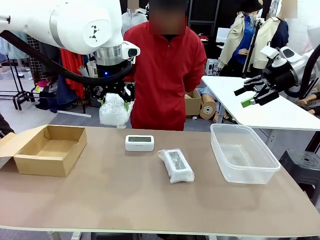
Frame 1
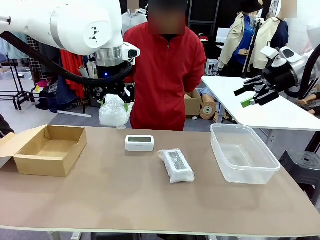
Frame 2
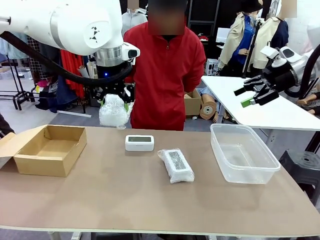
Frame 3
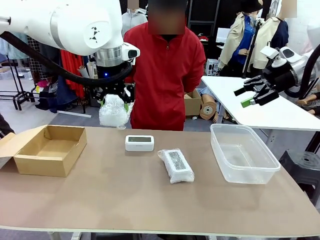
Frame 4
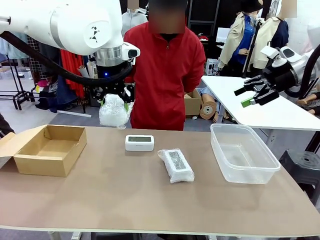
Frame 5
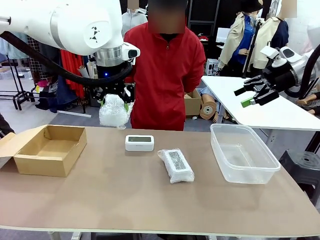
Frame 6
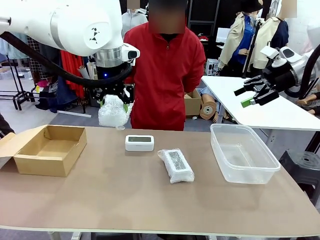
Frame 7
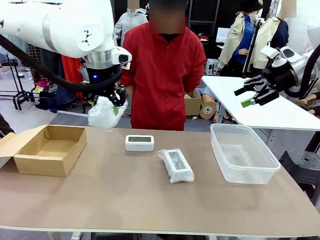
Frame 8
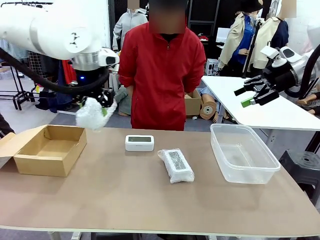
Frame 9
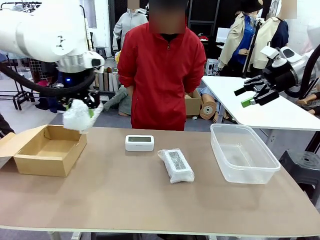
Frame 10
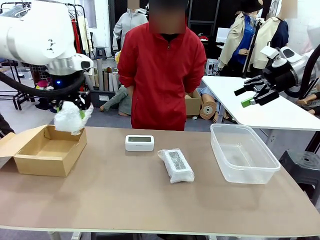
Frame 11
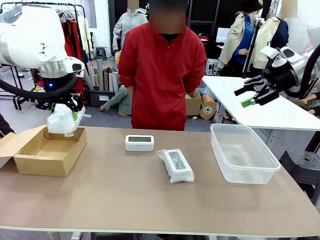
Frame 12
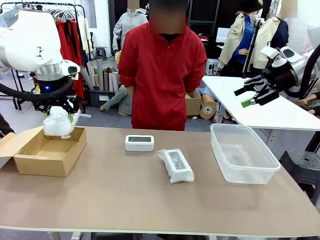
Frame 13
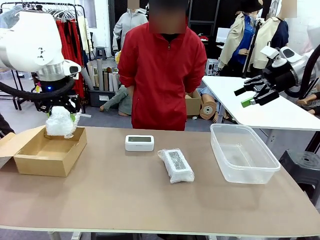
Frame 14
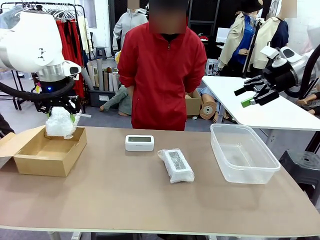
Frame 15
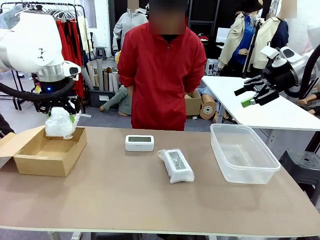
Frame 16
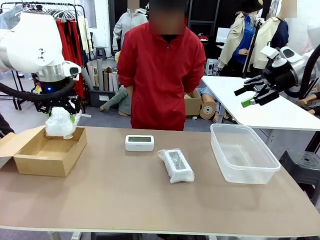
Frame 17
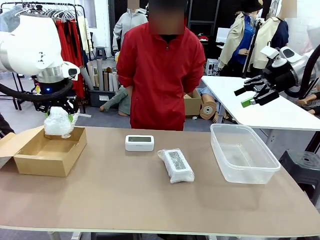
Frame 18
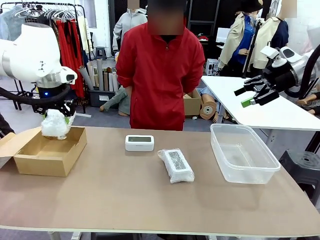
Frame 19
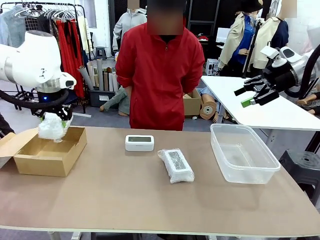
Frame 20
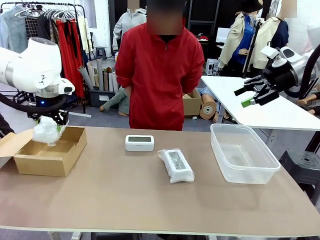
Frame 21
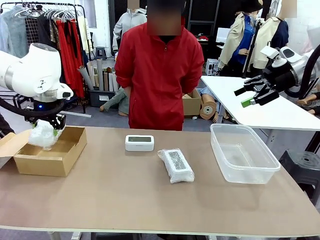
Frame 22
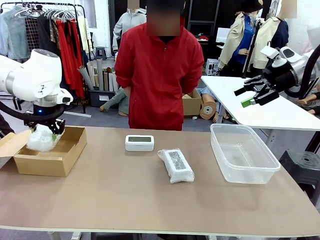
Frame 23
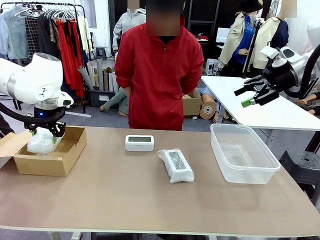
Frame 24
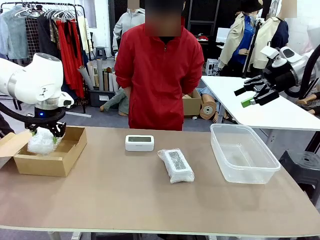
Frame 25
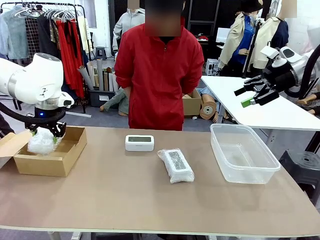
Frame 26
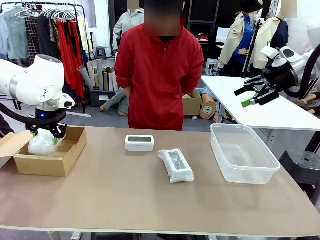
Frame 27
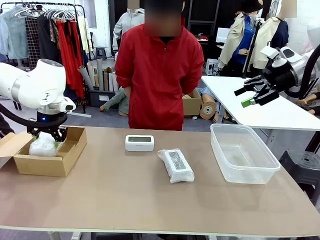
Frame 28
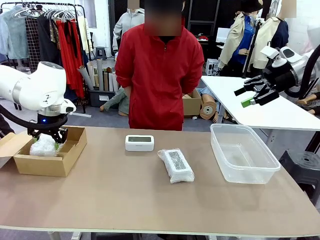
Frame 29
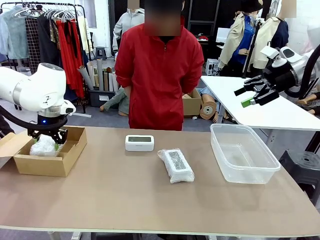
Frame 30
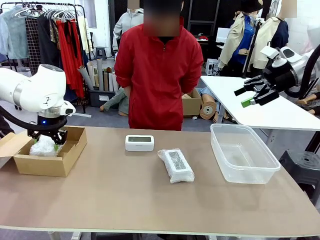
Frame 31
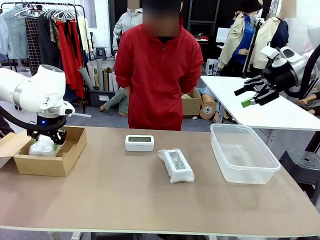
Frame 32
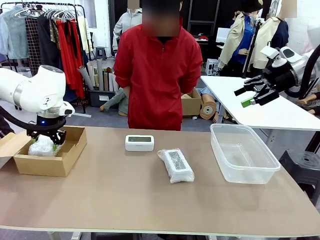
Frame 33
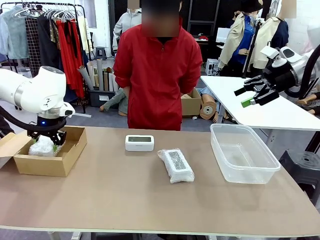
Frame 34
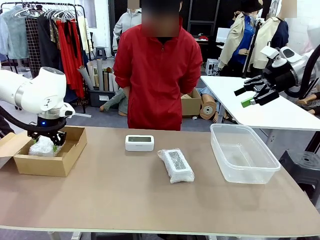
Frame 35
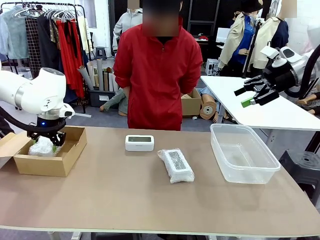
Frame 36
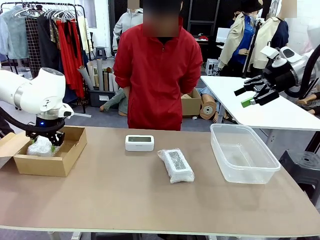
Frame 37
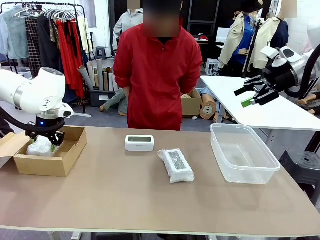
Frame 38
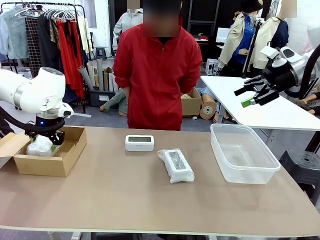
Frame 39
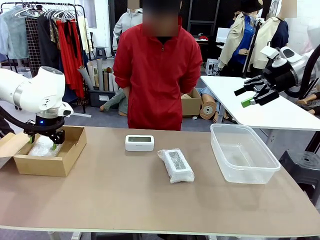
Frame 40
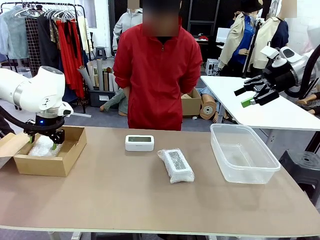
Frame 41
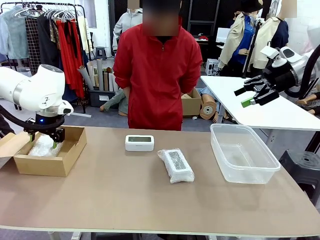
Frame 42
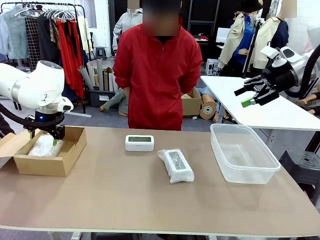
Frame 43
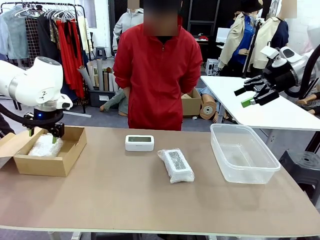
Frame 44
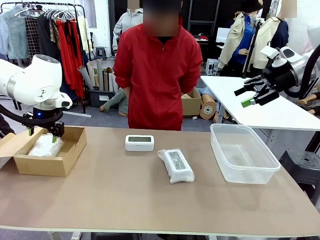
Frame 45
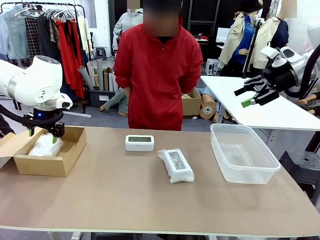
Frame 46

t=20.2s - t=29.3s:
Task: Separate and place wrapped and unwrapped clocks.
Robot: If the picked Digital clock is wrapped, place it in the Package Box ; if not, place it in the Organizing box.

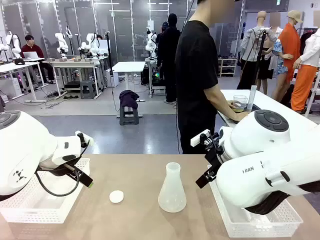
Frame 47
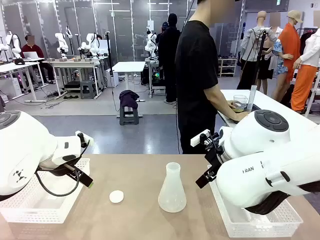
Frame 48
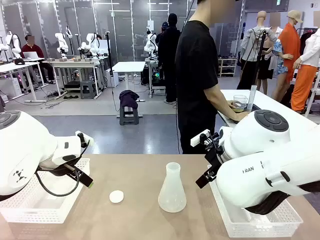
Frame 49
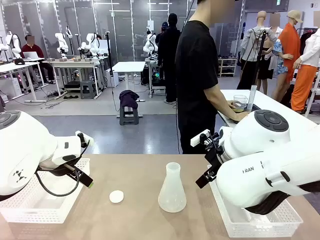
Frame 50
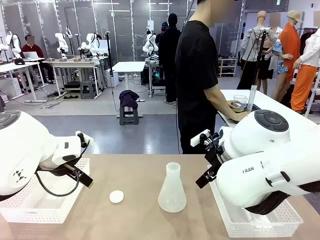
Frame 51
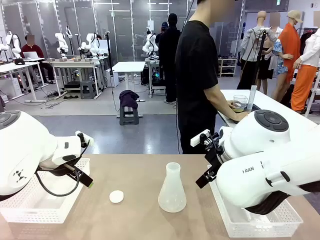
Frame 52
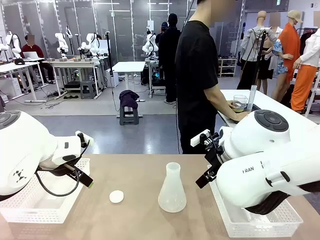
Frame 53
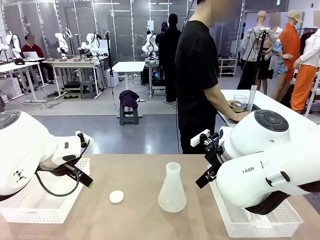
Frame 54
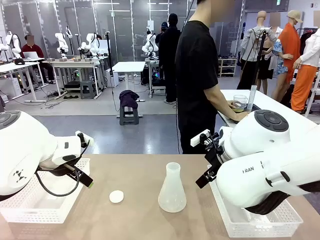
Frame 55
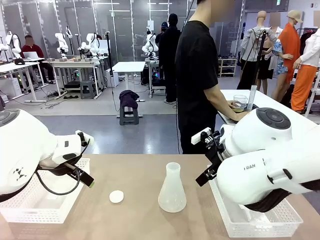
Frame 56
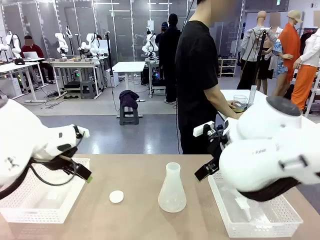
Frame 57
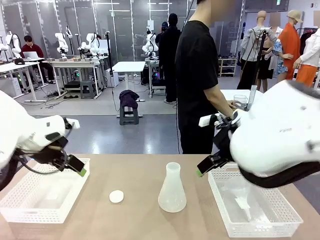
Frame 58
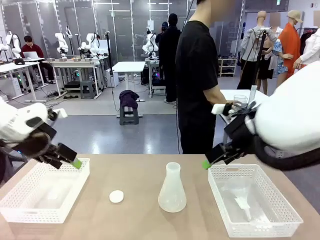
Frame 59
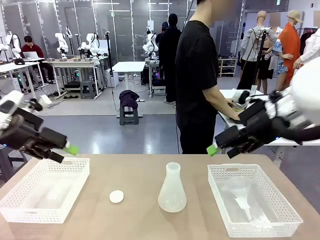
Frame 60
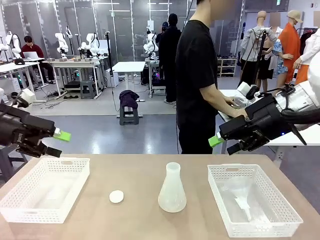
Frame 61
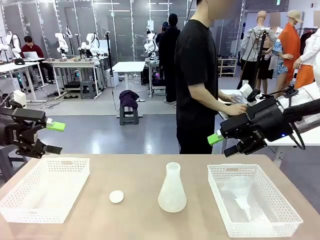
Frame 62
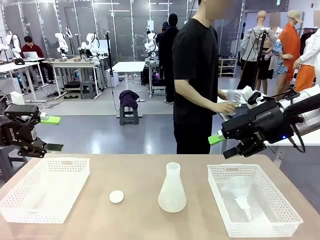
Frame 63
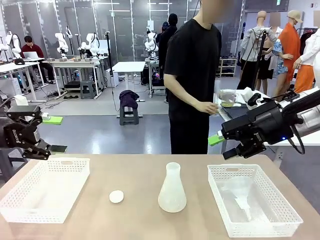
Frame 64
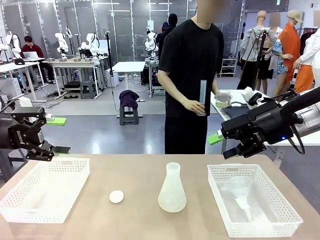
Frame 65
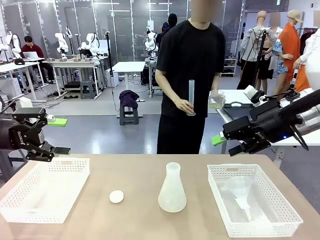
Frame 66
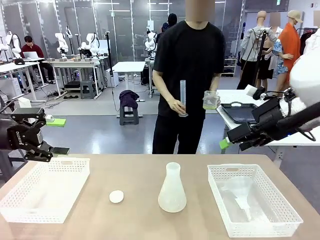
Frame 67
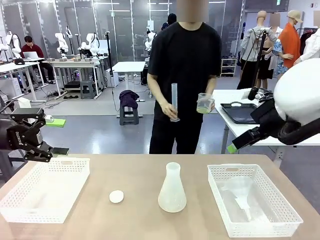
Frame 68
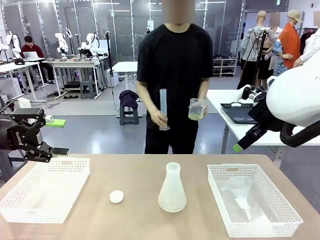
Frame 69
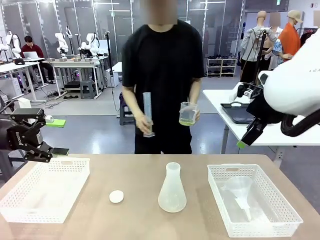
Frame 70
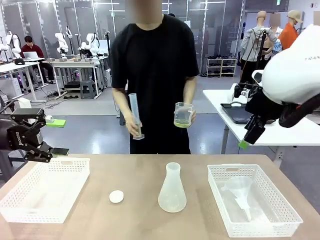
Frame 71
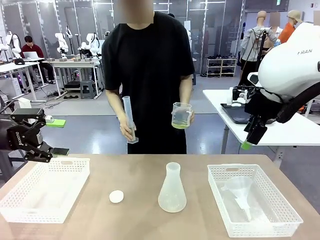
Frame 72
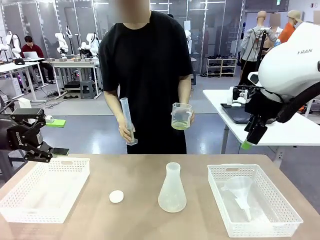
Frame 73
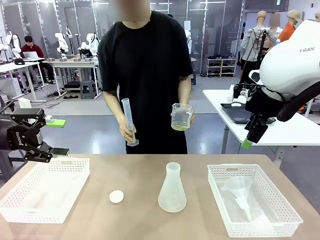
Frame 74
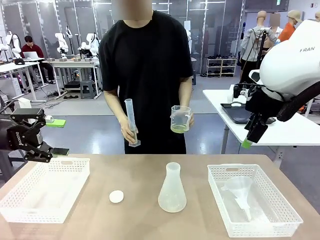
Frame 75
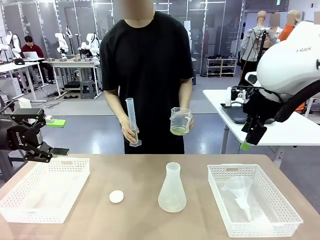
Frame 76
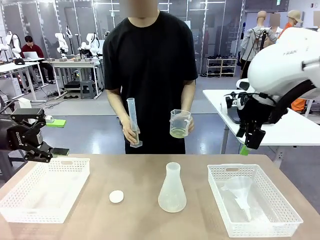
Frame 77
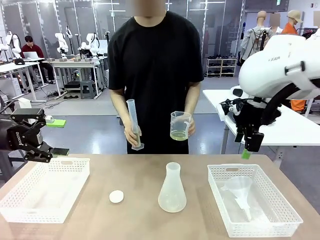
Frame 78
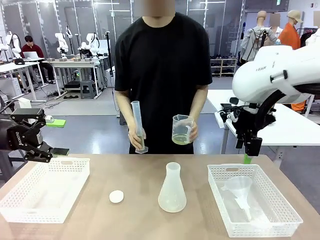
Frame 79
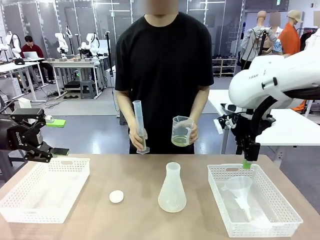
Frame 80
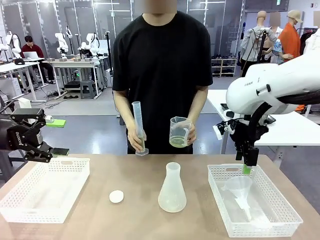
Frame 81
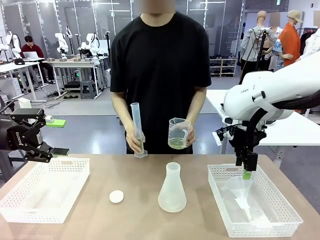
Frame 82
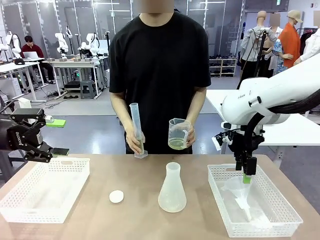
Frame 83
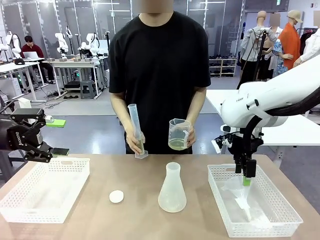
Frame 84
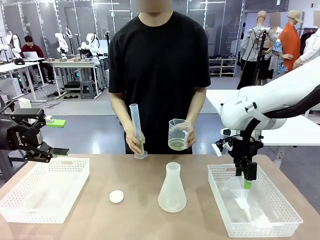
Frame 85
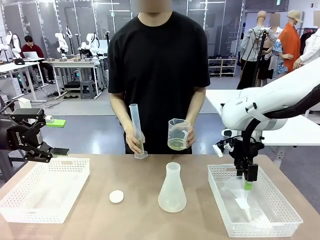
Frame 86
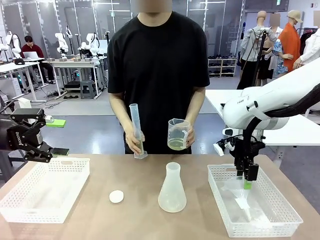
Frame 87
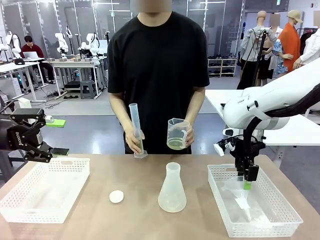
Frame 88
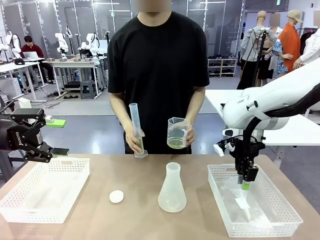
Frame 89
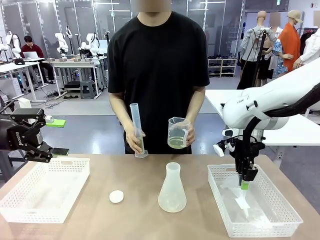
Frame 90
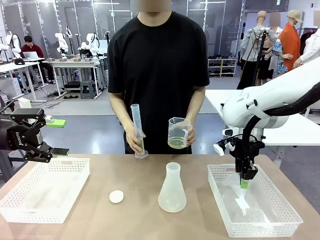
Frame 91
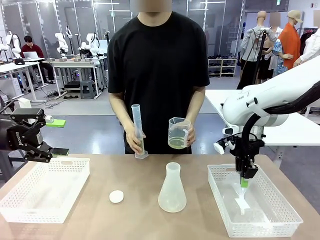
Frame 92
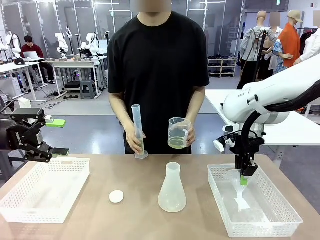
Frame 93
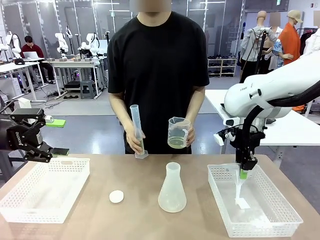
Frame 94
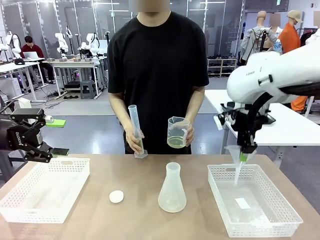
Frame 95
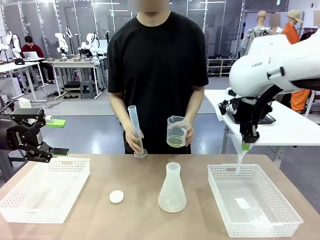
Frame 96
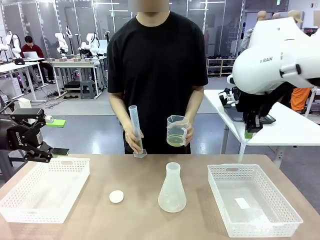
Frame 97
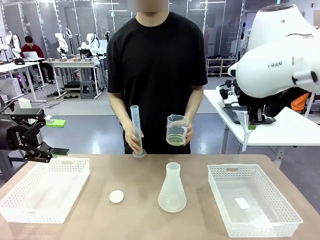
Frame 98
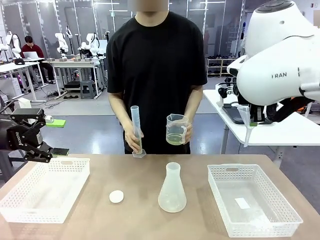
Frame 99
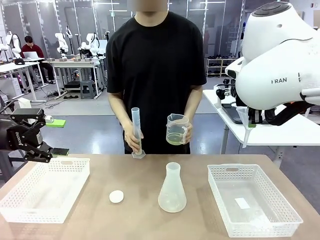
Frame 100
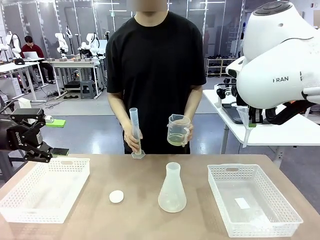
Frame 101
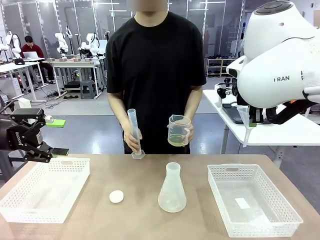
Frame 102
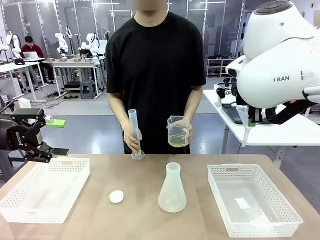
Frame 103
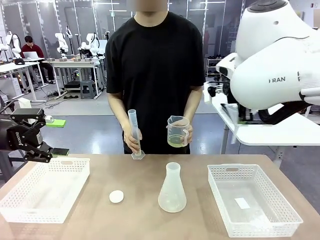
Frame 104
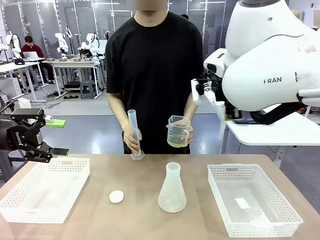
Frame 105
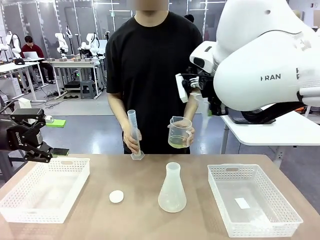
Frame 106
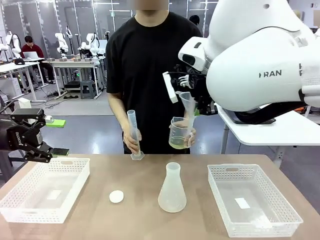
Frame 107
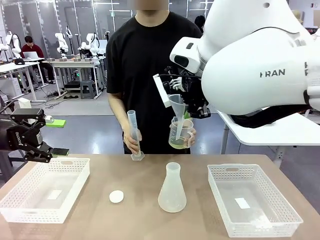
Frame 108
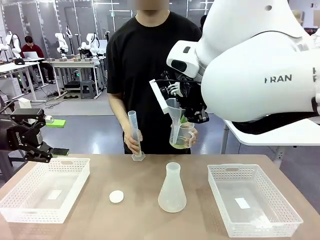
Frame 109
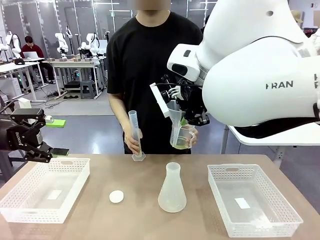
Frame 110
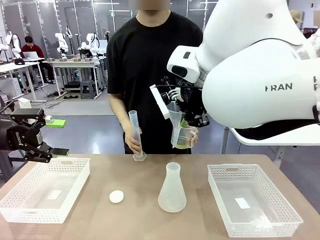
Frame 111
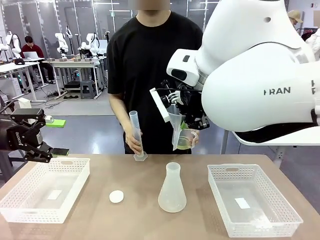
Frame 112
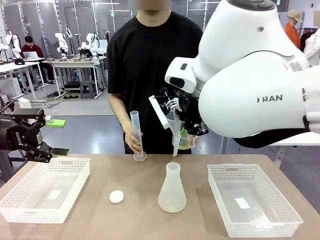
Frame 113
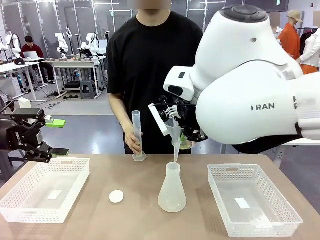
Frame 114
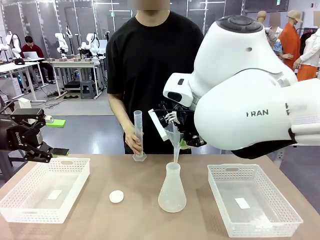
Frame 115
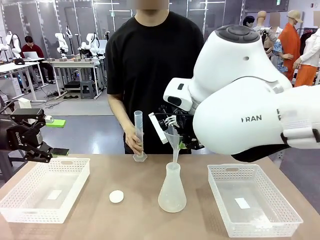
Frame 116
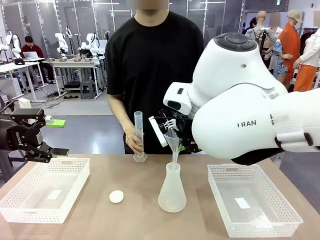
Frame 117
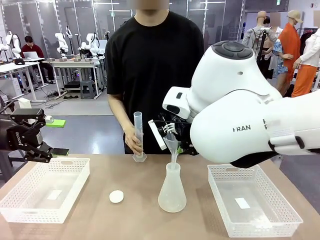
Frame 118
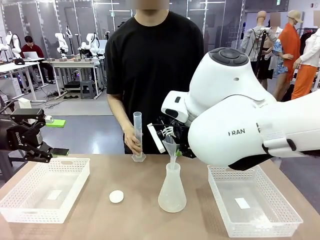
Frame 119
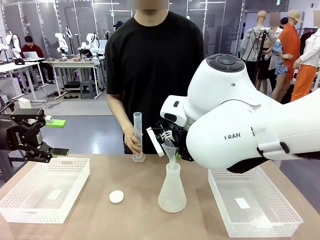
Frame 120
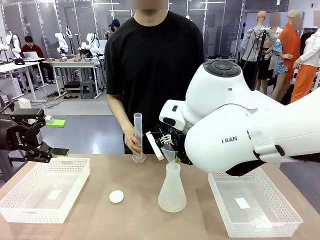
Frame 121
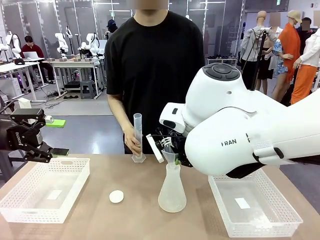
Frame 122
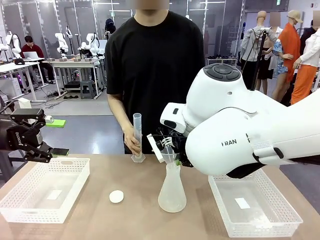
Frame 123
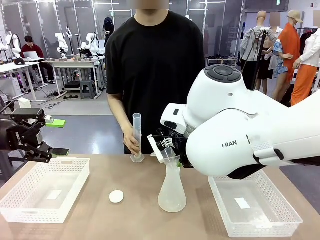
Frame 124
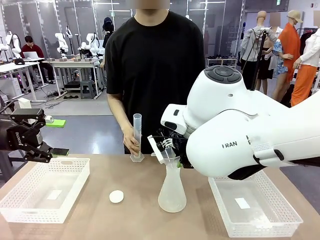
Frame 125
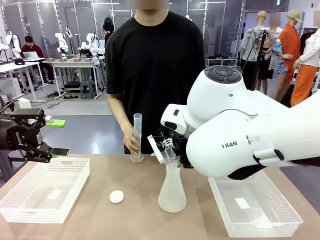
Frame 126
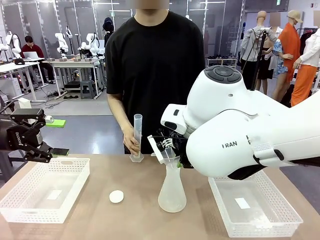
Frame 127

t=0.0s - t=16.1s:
Task: Prepare the solutions needed for the experiment.
Robot: Pick up the Plastic Funnel and insert it into the Big flask.
Person: Pick up the beaker and the cylinder and move to the middle of the robot table. Pour the solution from the beaker and the cylinder into the flask.
